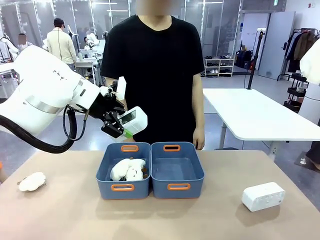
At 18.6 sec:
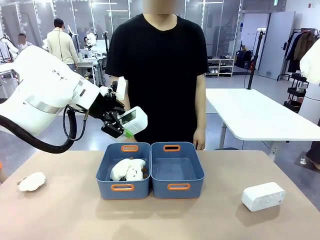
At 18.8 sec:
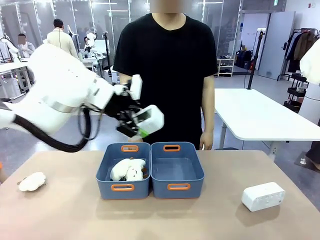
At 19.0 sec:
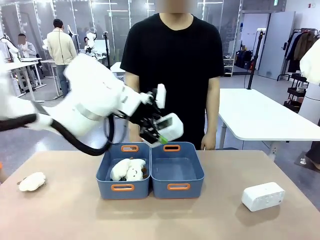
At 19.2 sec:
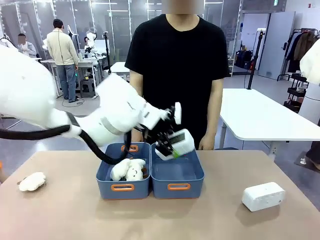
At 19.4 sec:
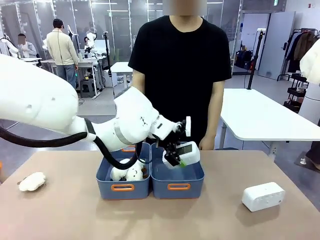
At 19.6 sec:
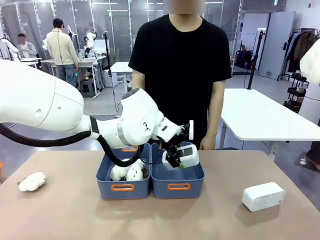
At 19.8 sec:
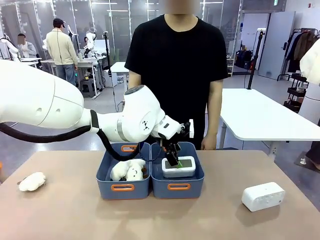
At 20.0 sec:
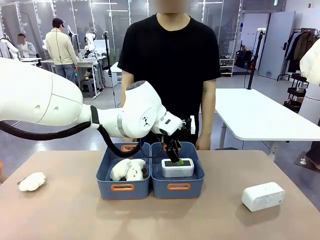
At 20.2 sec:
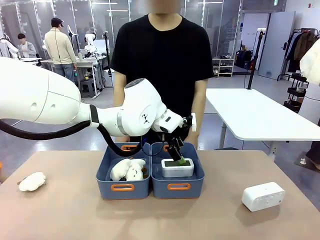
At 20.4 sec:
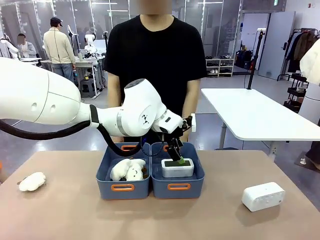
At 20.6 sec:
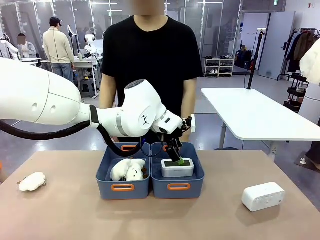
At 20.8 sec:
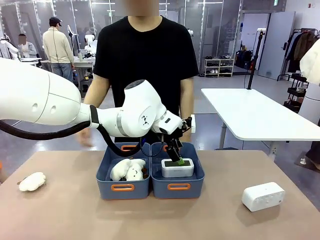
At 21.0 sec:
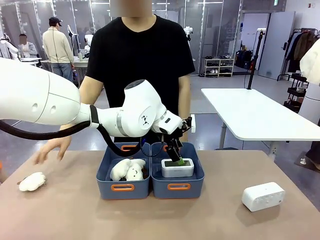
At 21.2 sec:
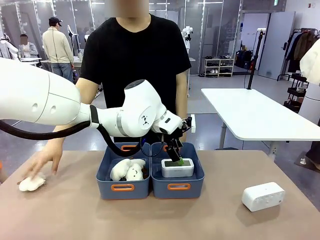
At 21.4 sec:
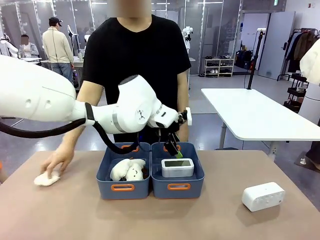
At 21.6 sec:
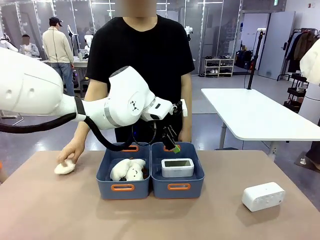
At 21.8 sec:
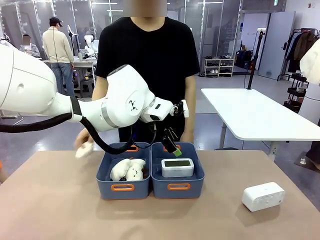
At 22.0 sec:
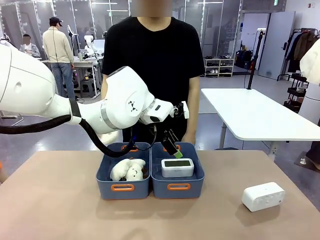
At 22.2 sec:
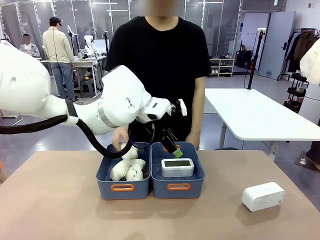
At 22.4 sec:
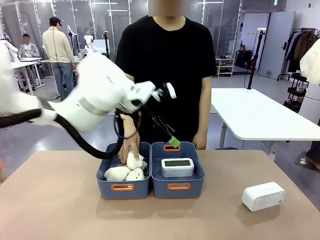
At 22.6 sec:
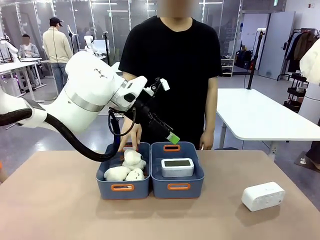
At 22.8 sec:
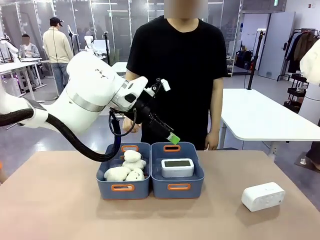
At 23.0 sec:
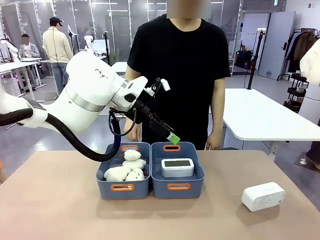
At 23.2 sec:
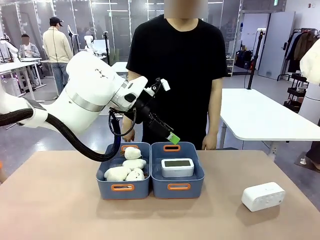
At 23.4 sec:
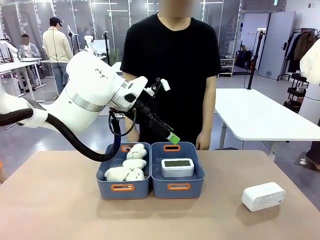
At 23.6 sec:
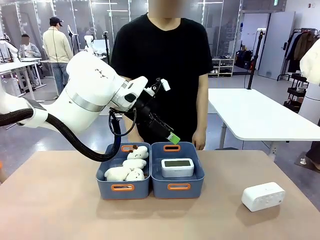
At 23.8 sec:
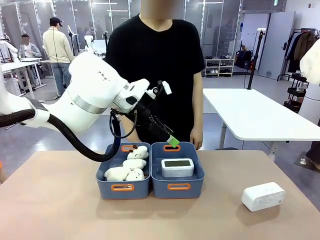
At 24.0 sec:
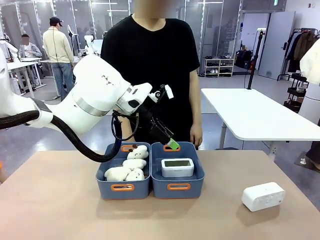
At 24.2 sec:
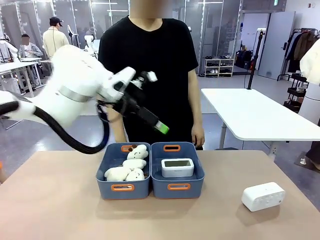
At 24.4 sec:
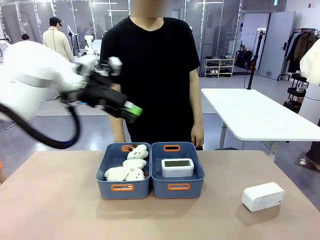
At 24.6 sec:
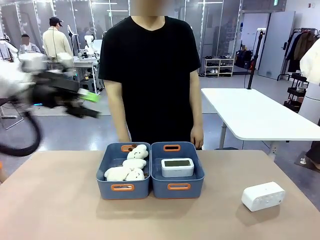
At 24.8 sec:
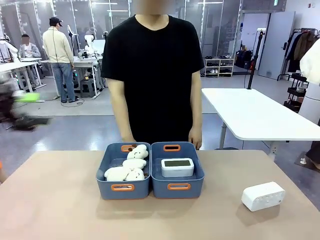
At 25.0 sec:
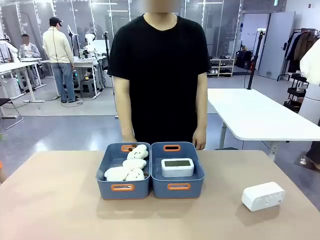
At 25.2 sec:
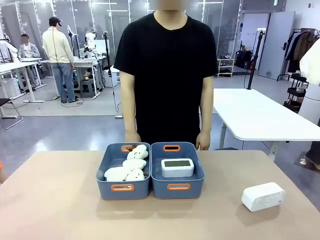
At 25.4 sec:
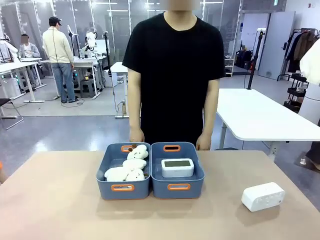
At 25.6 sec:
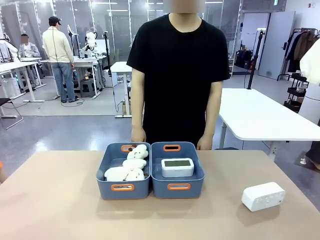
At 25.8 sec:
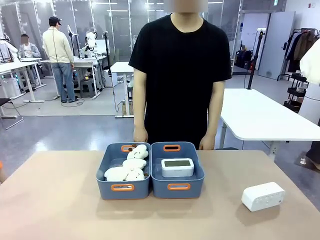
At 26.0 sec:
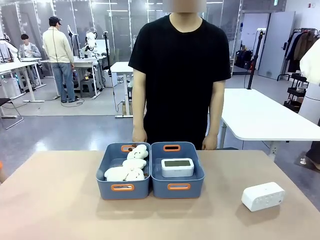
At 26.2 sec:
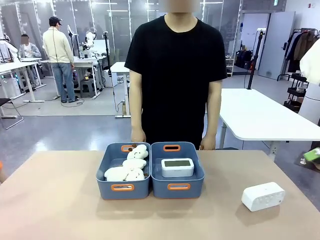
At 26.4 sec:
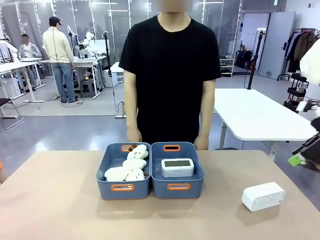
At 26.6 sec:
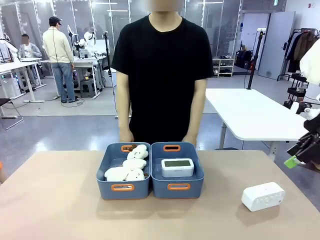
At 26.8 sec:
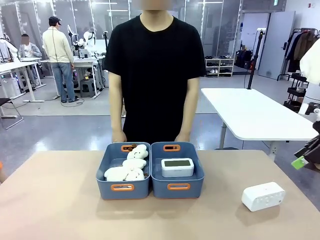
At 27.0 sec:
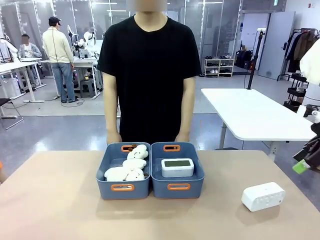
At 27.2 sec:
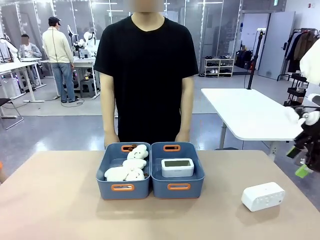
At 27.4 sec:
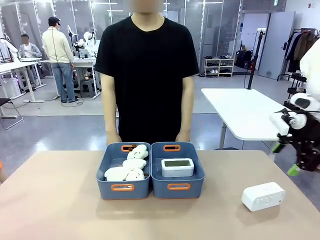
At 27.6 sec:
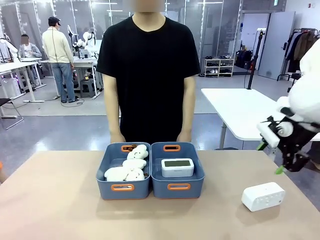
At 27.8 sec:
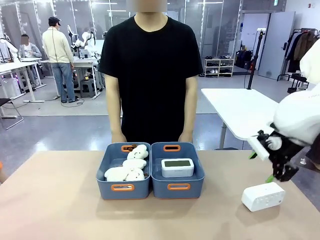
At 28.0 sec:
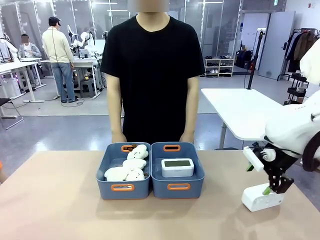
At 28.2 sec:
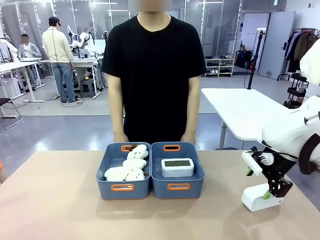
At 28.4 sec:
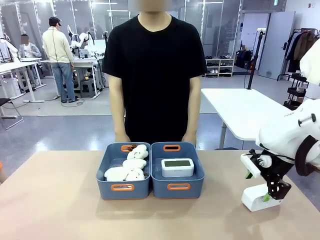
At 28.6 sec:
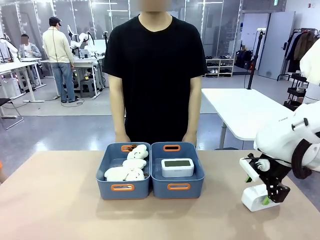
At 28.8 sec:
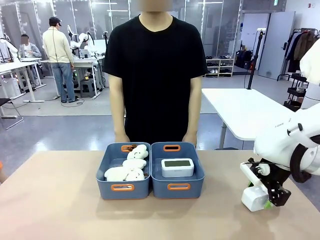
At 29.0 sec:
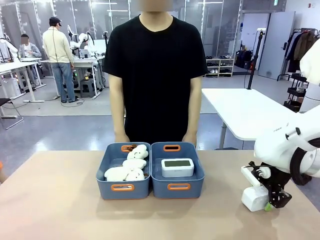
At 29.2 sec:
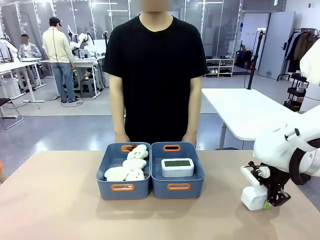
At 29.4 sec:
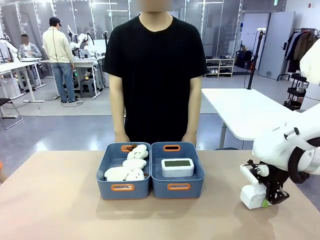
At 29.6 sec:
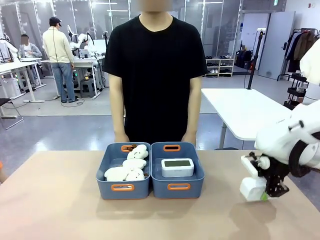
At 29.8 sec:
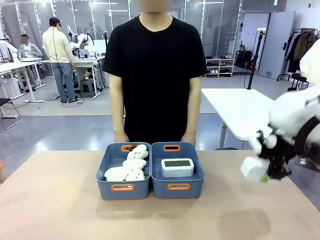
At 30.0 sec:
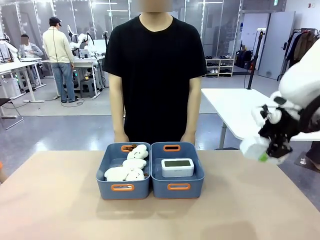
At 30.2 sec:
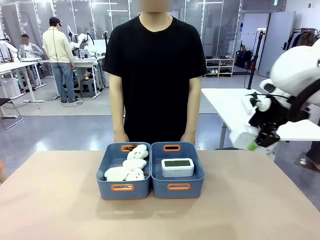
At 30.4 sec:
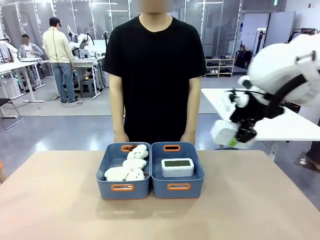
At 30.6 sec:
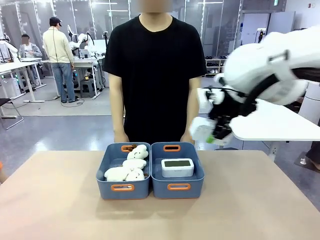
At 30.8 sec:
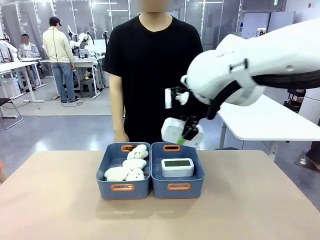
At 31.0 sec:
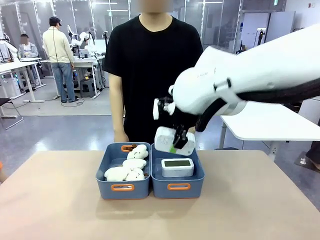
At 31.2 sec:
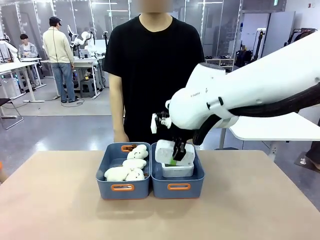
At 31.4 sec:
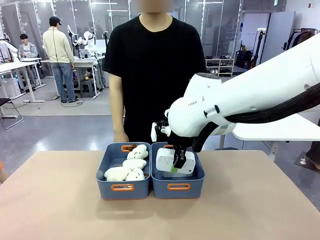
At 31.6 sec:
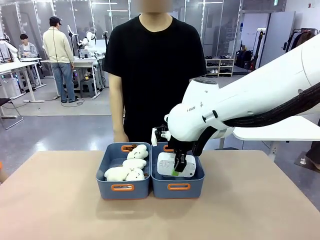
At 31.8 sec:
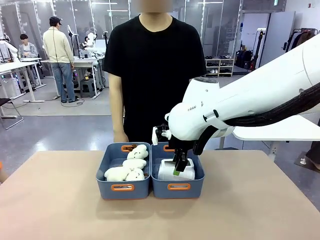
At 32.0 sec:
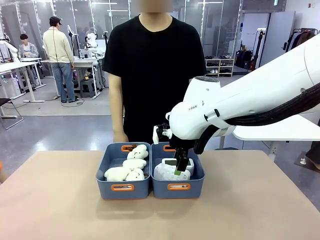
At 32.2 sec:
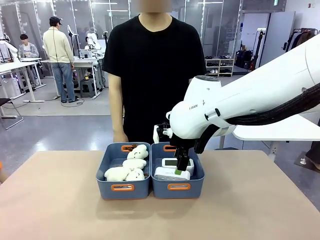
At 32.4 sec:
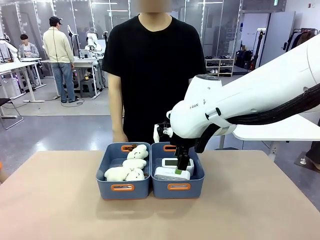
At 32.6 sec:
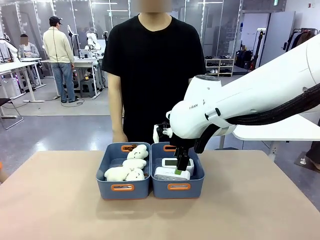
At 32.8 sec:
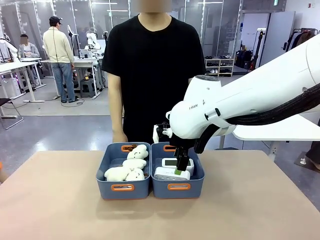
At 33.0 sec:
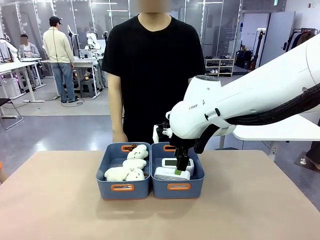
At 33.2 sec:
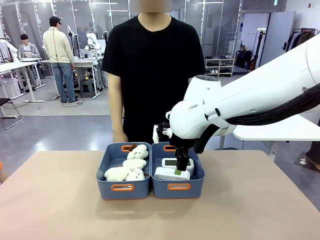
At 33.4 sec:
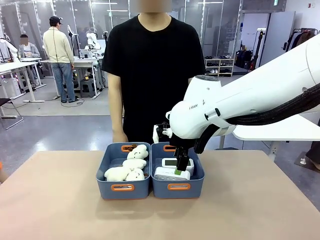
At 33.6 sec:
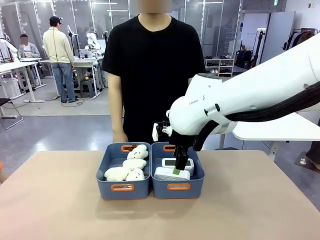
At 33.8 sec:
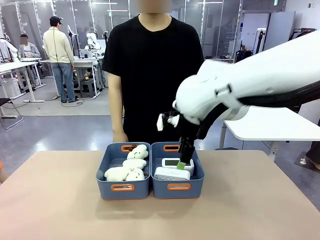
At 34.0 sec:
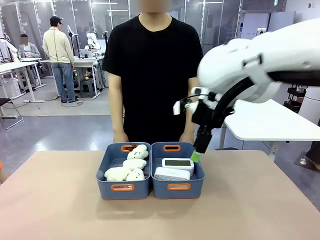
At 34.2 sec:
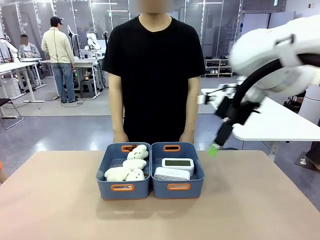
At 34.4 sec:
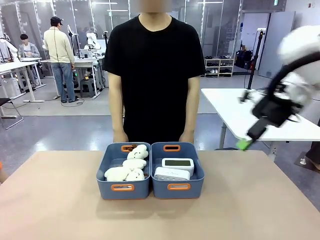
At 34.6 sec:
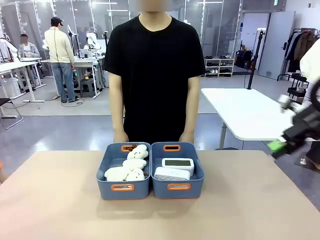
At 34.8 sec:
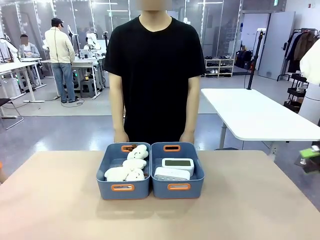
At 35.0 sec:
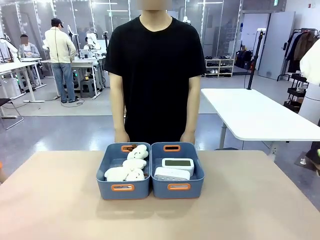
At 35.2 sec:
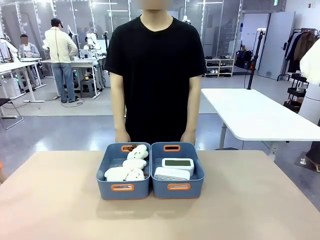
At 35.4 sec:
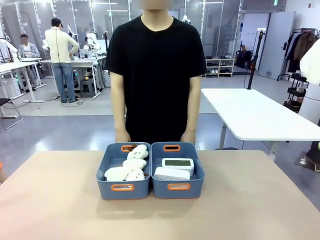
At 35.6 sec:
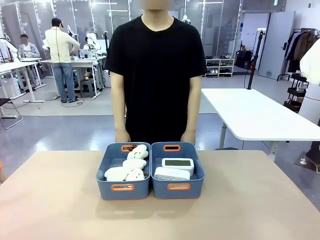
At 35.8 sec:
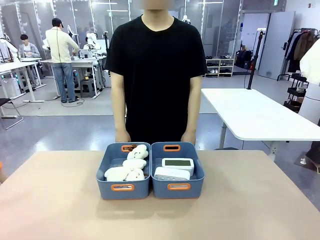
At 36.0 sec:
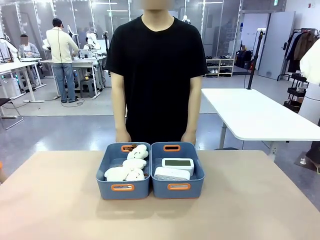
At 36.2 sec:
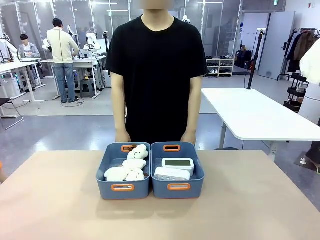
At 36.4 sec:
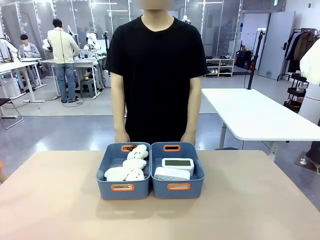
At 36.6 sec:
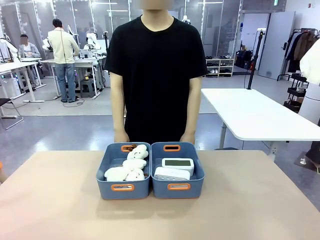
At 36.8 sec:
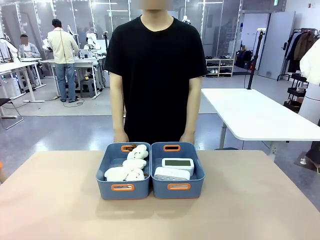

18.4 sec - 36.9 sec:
Task: Sort the digital clocks into the basket.
Robot: Pick up the Digital clock from the table and place it into the empty Plastic storage basket.
Person: Pick up a plush toy from the table and place it in the plastic storage basket containing the plush toy.
